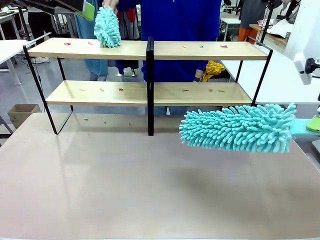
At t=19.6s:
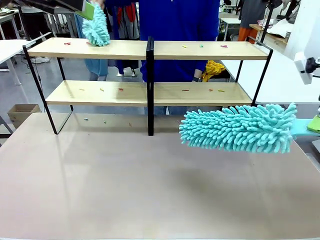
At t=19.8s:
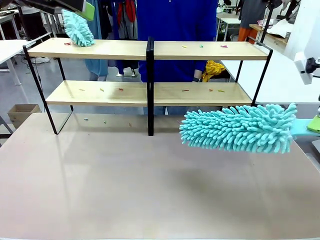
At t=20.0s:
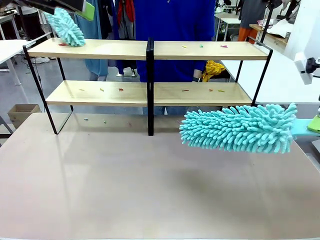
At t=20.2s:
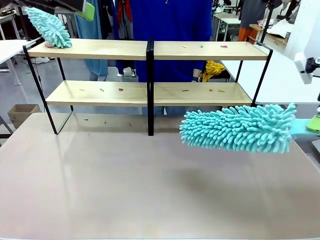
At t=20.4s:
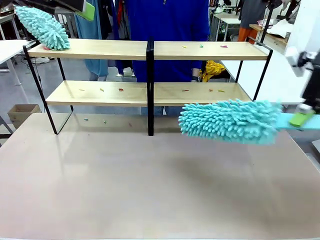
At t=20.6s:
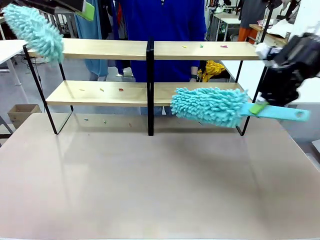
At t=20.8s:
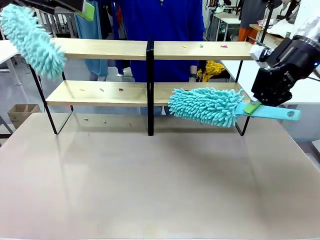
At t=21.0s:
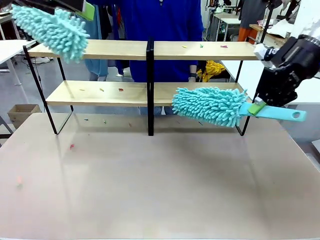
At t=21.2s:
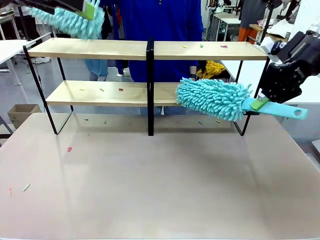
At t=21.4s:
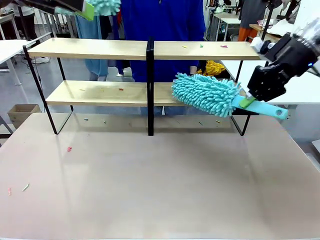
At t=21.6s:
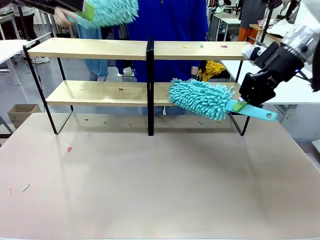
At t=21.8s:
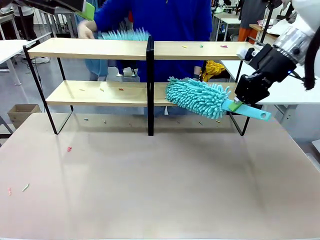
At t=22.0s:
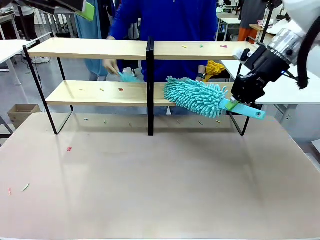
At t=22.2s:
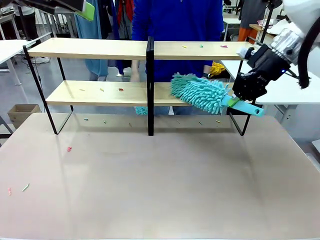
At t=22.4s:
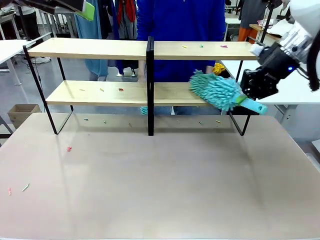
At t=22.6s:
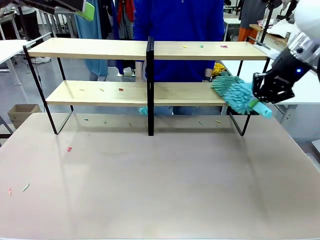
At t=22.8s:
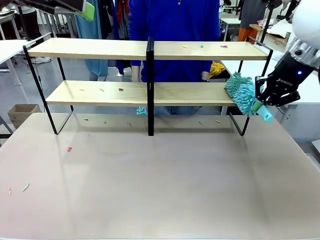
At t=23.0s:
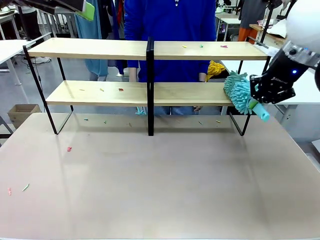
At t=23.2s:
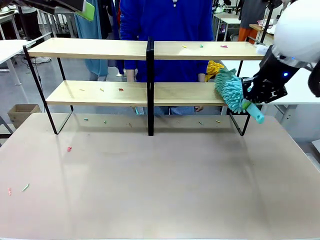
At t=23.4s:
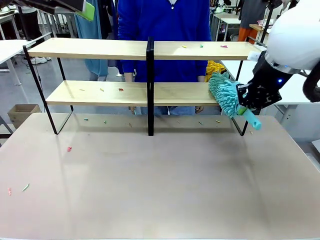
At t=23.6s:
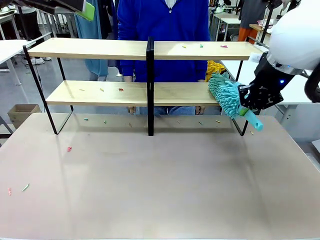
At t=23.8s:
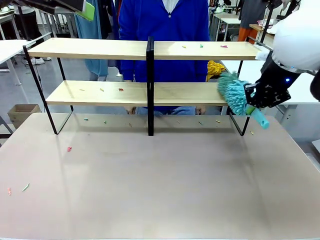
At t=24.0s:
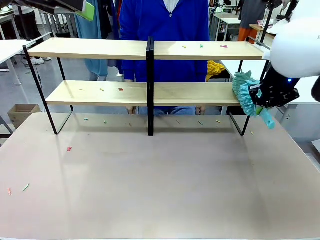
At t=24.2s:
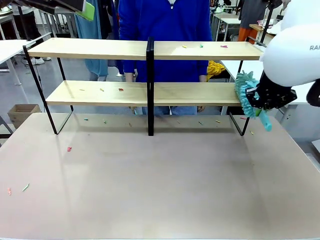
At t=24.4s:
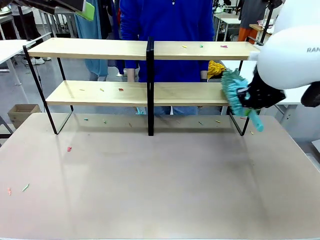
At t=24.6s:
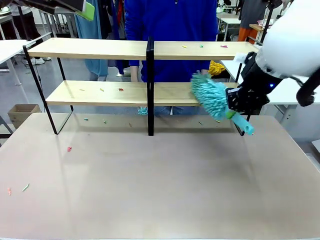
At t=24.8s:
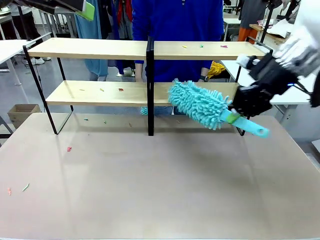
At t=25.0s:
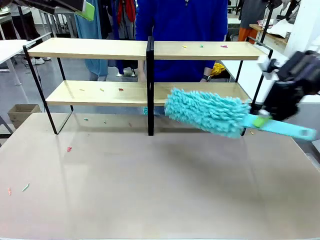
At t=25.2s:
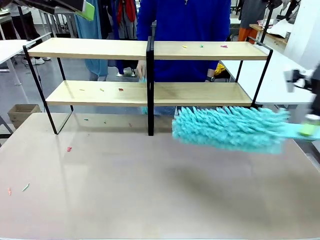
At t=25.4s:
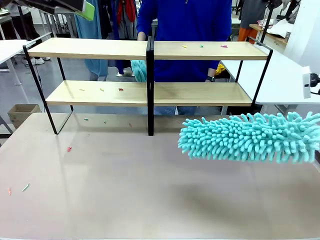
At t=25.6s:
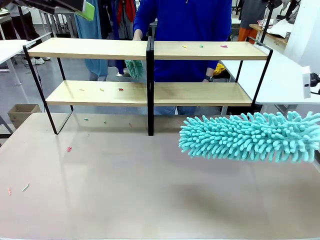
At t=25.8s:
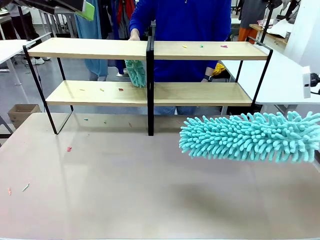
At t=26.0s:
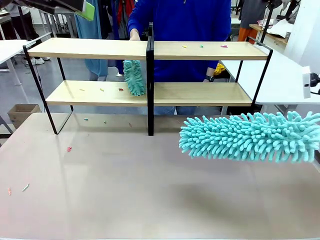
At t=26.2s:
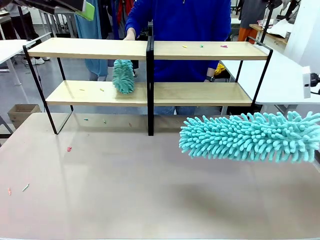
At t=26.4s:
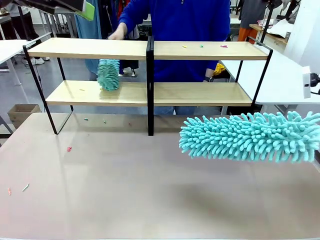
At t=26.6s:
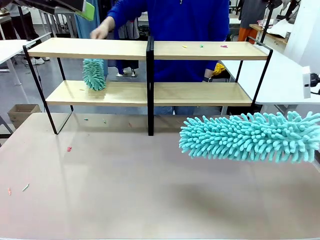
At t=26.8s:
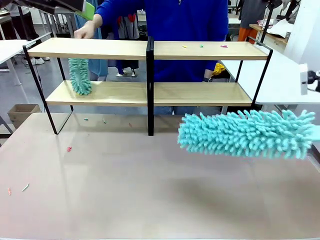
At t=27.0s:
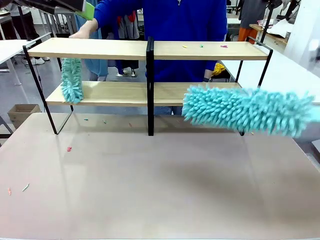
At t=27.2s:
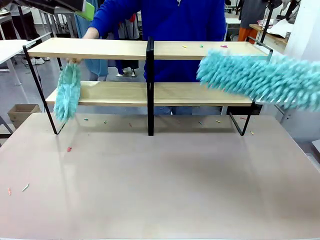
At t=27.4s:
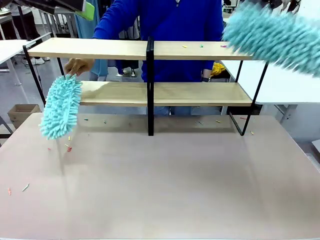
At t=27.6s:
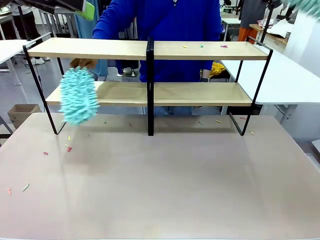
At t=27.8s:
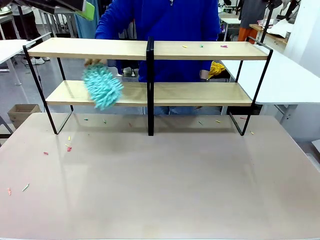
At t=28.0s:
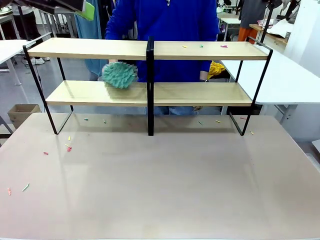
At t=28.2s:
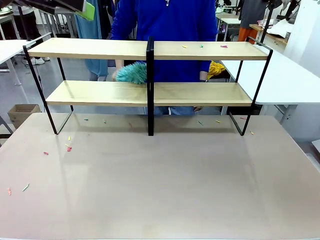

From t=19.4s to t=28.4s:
Task: Clean the shelves.
Robot: Clean a randomly selected level of the Shelf with the Duster.

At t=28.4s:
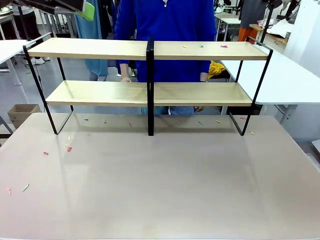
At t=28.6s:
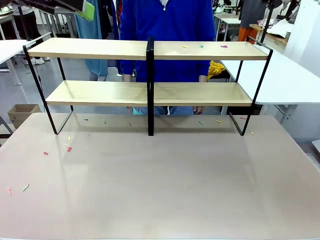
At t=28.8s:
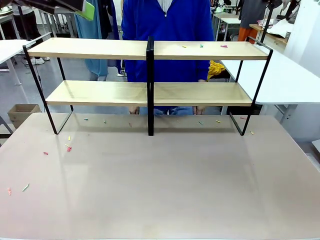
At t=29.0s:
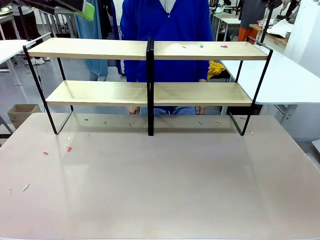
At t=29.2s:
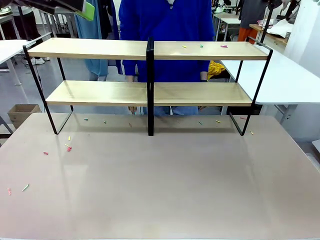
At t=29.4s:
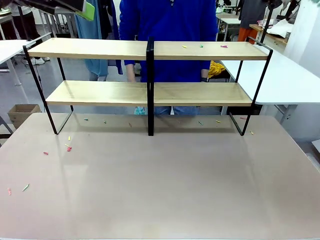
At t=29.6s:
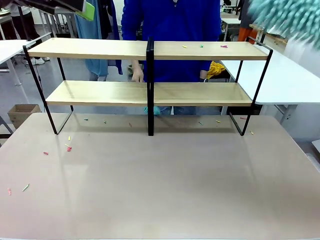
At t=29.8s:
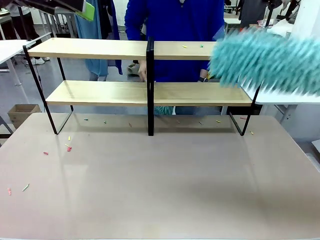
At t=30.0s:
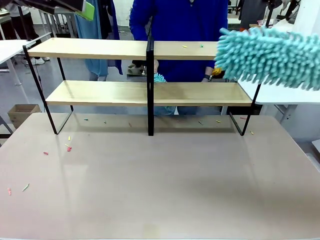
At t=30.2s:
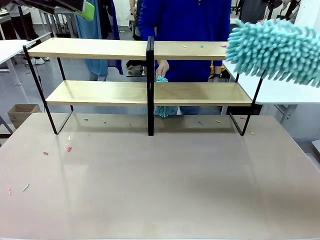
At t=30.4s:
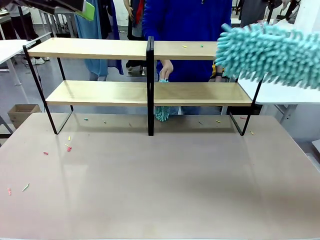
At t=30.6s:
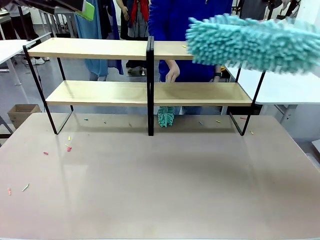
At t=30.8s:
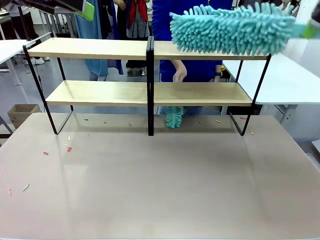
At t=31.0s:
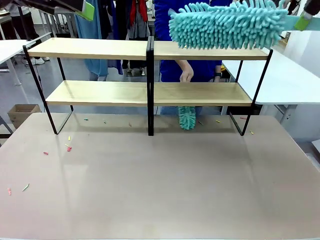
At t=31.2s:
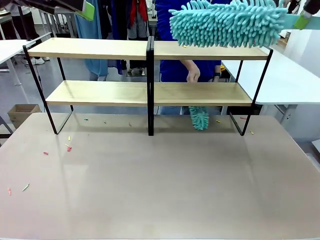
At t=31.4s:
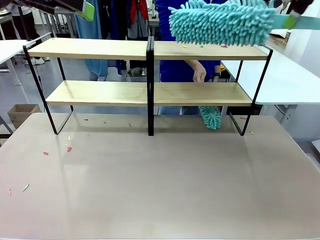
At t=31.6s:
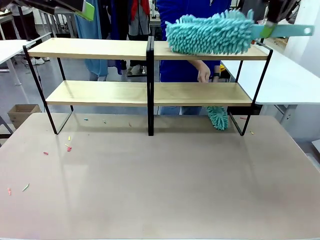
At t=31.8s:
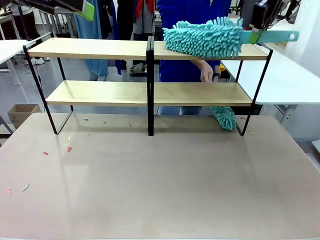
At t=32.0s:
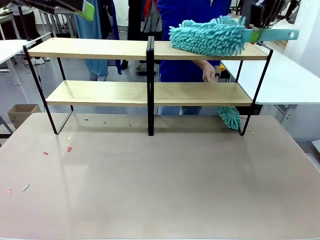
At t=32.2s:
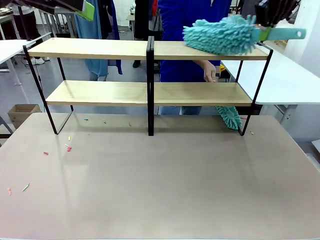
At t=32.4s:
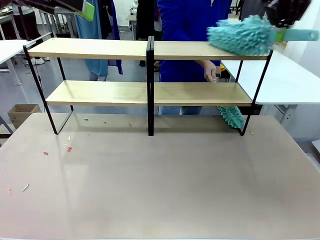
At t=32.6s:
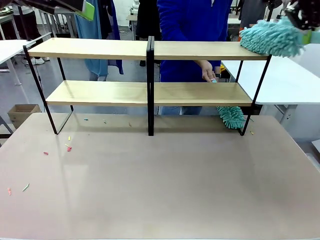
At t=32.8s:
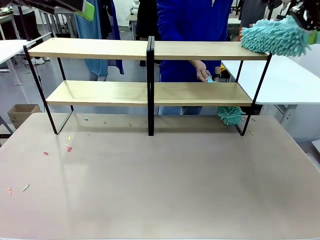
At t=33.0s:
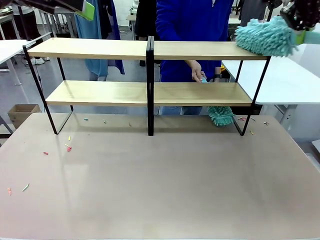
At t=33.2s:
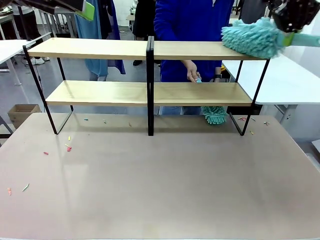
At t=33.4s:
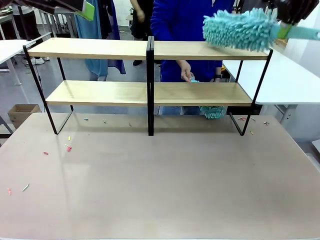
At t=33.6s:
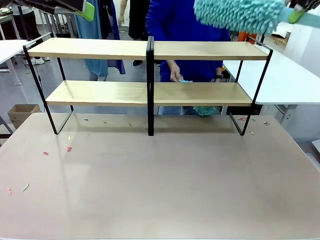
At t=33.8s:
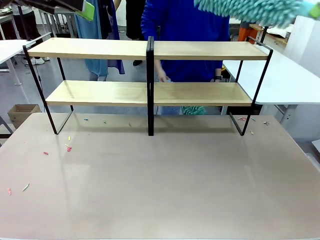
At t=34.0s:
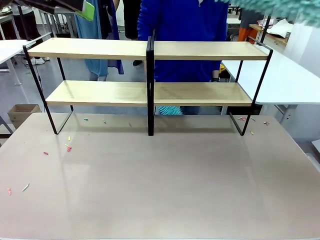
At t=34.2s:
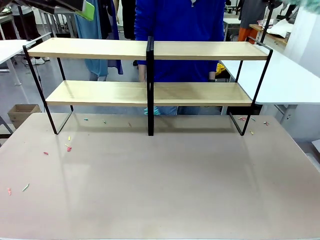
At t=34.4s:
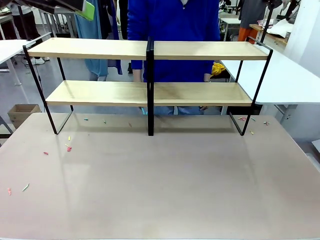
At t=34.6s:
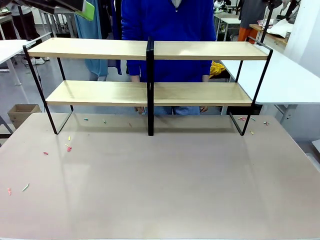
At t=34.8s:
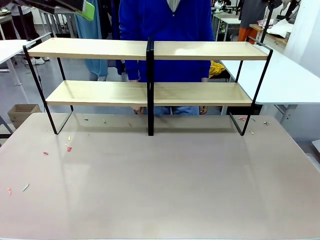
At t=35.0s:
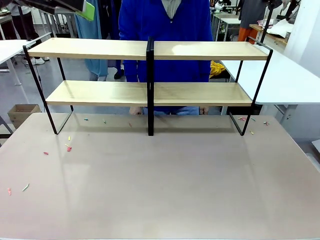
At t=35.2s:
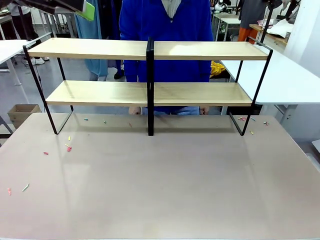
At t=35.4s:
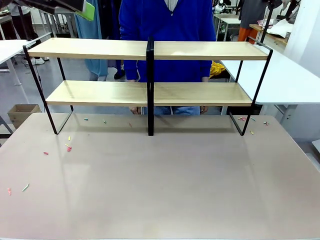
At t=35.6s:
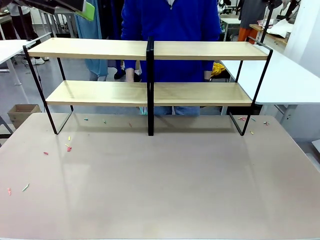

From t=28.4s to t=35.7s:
Robot: Clean another randomly selected level of the Shelf with the Duster.

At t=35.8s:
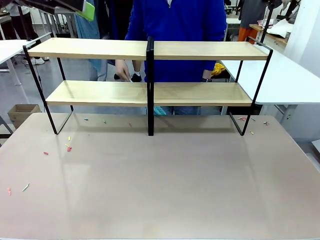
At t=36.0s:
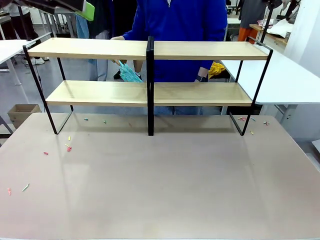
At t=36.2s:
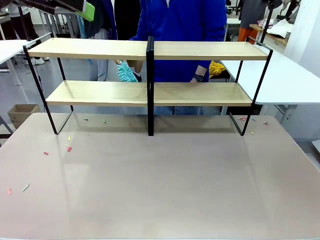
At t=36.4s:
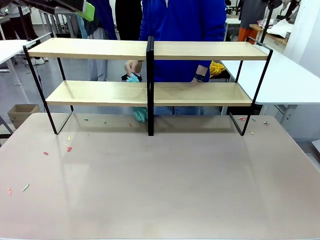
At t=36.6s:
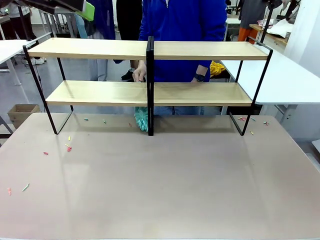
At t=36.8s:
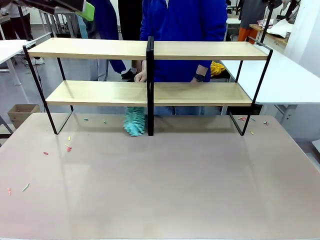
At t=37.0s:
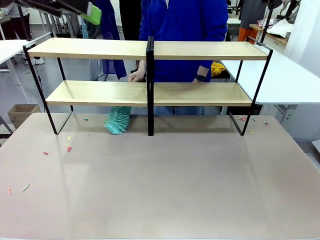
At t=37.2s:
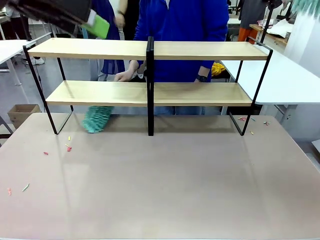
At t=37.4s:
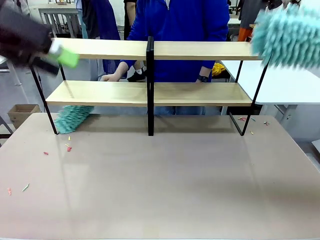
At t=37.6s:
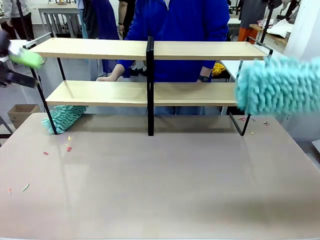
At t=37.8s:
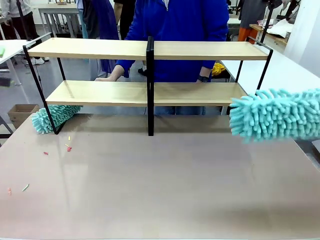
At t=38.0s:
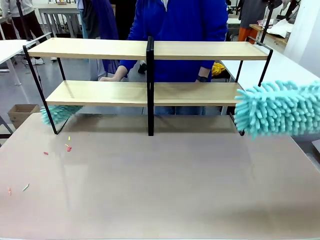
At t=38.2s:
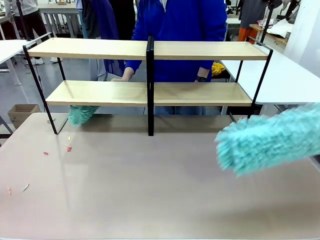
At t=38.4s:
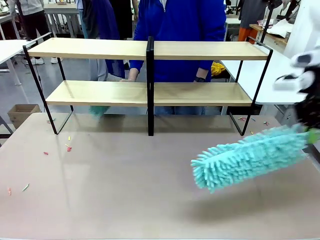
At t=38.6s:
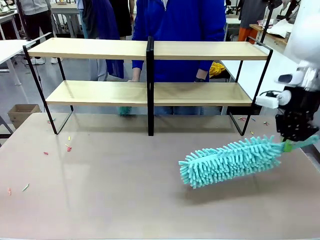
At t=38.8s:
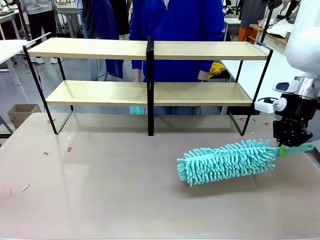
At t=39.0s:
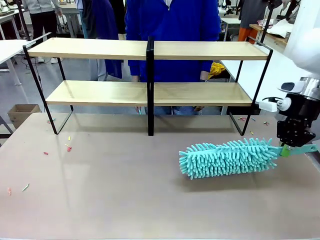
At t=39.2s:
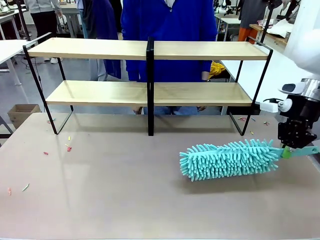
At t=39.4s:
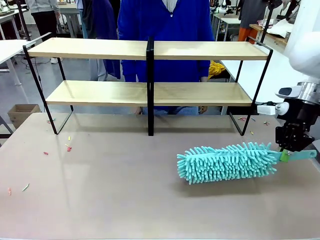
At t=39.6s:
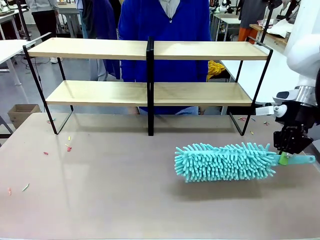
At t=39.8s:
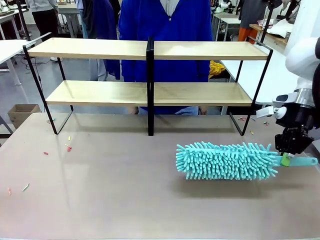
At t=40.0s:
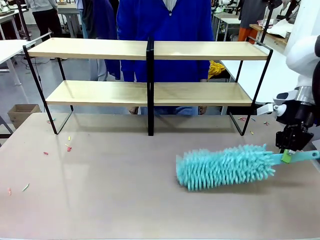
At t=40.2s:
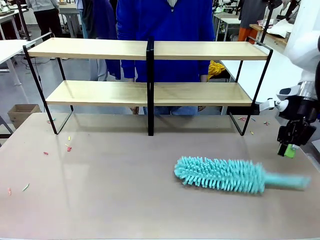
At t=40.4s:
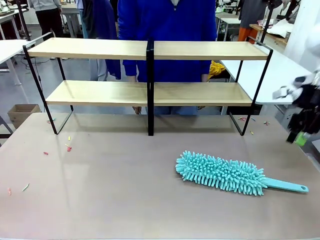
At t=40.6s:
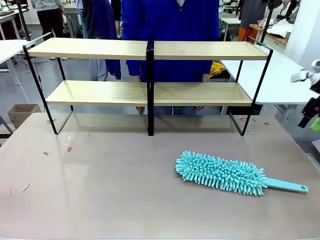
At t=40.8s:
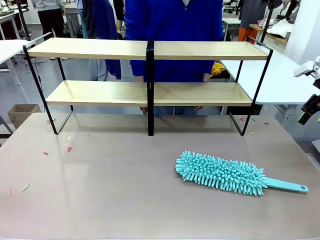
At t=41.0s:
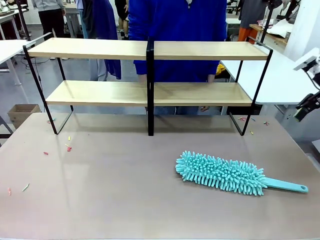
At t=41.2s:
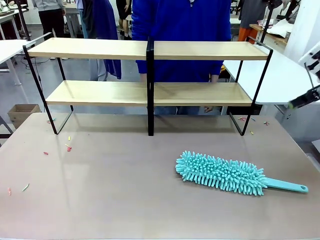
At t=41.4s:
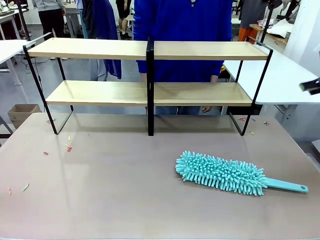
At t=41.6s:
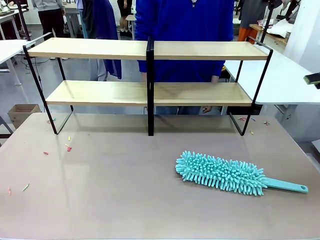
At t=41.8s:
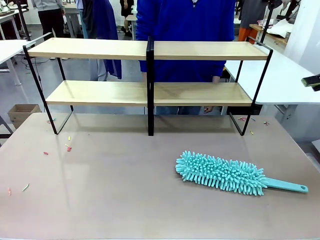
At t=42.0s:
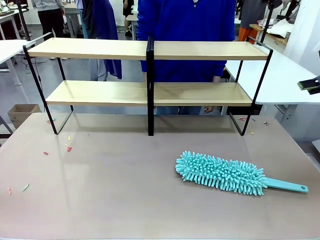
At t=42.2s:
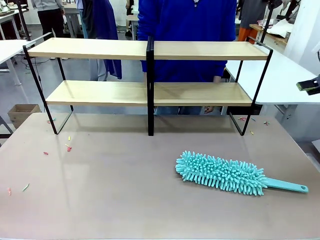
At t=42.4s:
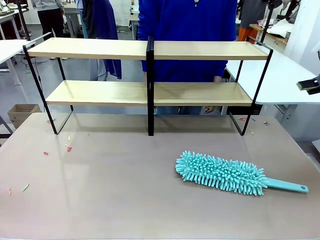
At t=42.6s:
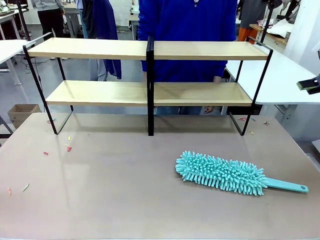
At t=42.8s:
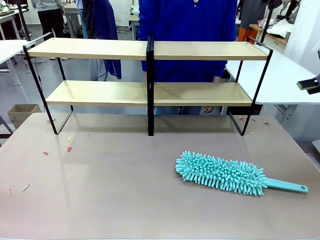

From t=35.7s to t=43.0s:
Robot: Place the Duster on the table.
